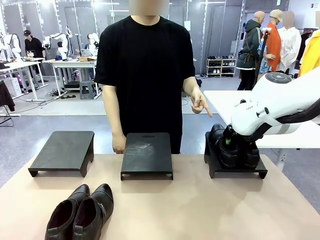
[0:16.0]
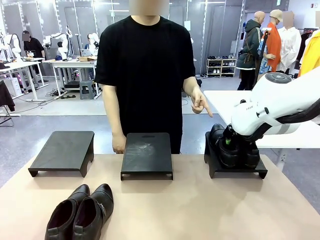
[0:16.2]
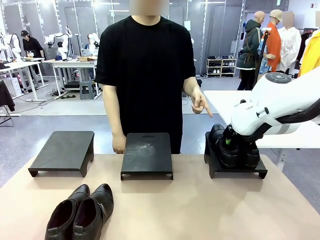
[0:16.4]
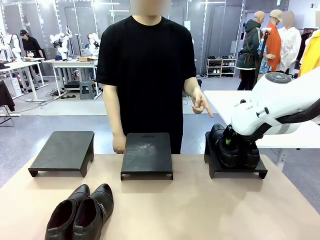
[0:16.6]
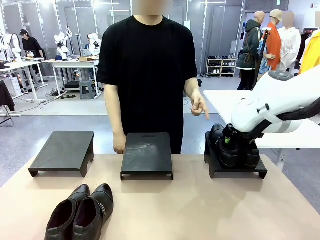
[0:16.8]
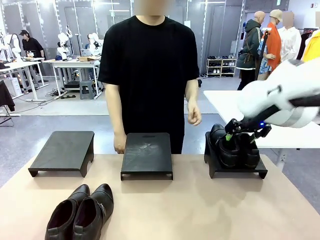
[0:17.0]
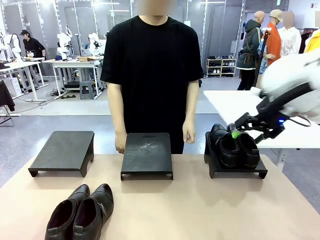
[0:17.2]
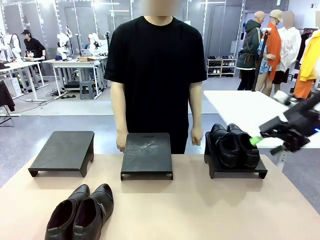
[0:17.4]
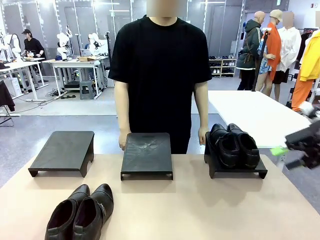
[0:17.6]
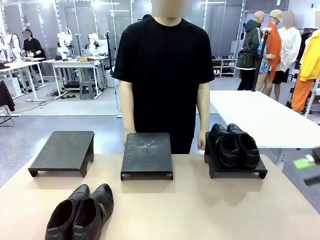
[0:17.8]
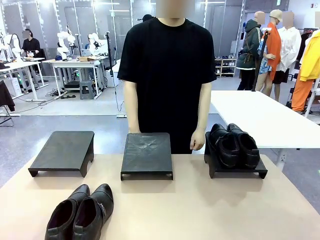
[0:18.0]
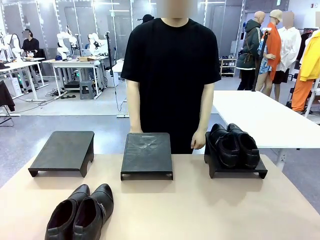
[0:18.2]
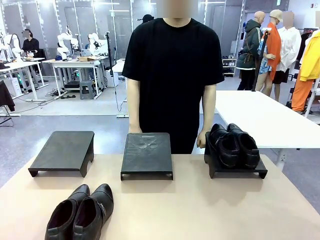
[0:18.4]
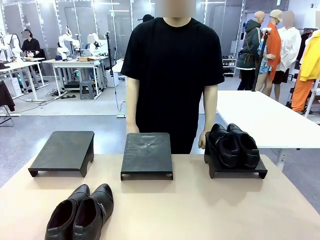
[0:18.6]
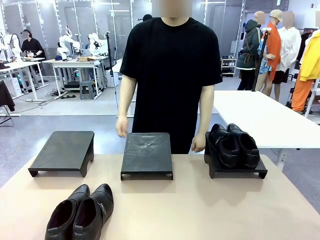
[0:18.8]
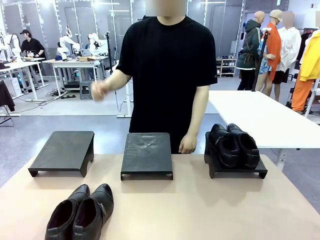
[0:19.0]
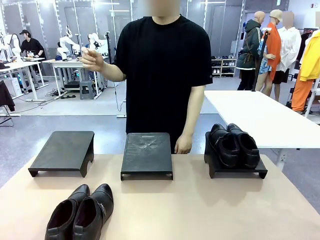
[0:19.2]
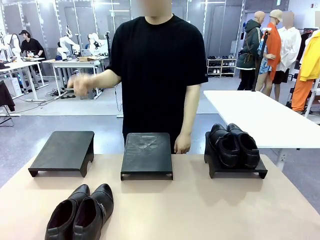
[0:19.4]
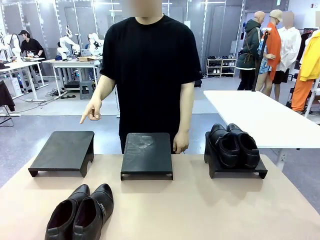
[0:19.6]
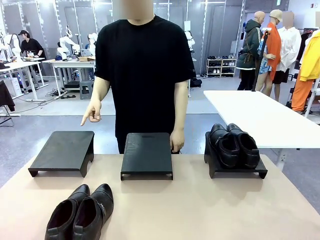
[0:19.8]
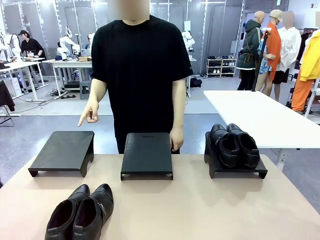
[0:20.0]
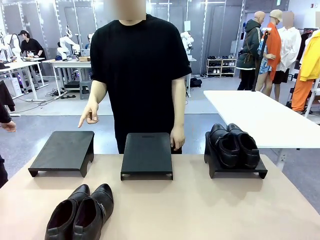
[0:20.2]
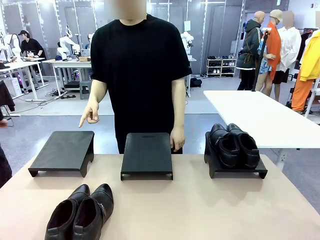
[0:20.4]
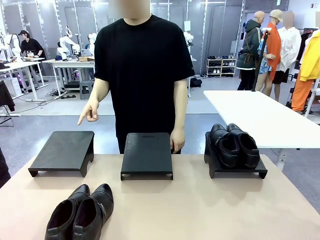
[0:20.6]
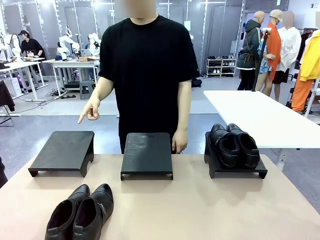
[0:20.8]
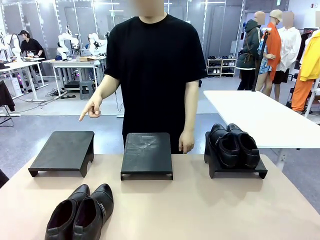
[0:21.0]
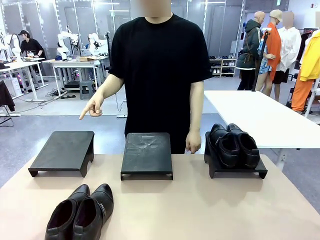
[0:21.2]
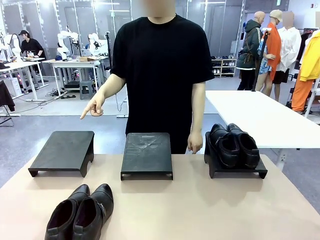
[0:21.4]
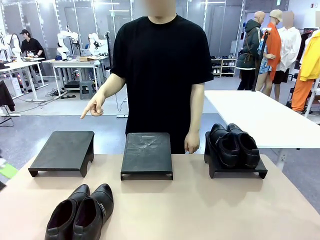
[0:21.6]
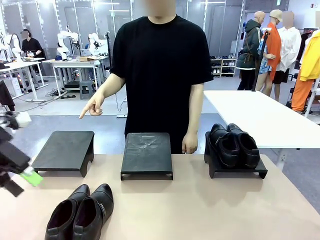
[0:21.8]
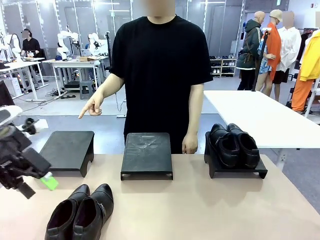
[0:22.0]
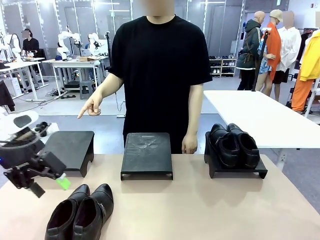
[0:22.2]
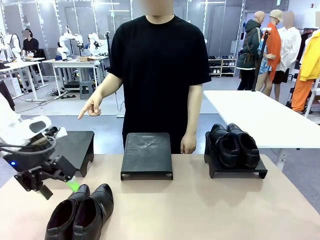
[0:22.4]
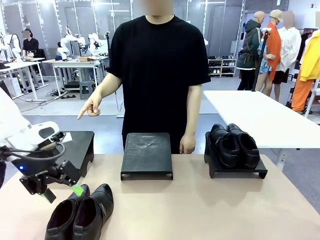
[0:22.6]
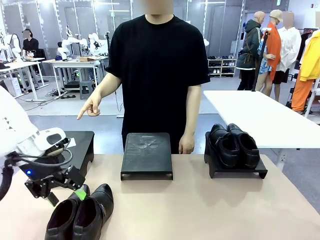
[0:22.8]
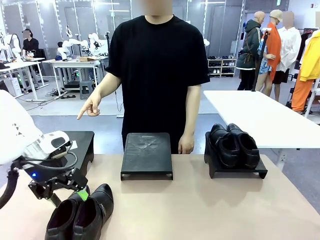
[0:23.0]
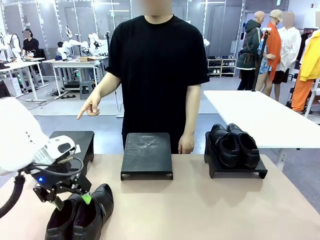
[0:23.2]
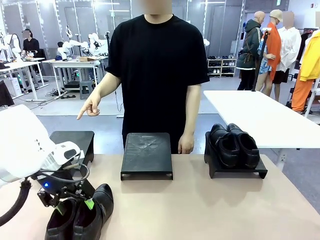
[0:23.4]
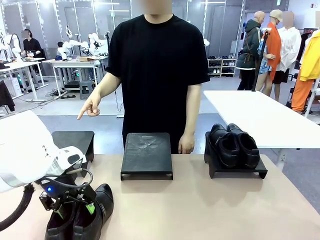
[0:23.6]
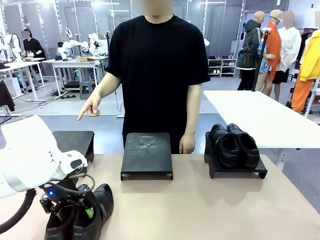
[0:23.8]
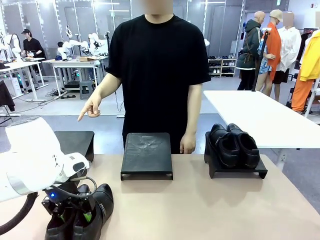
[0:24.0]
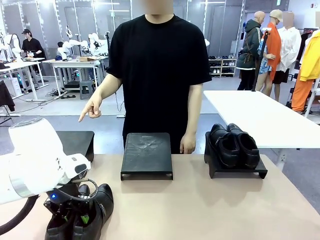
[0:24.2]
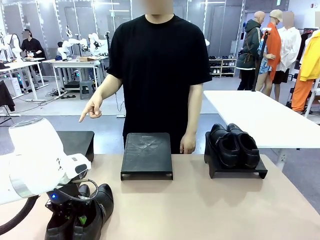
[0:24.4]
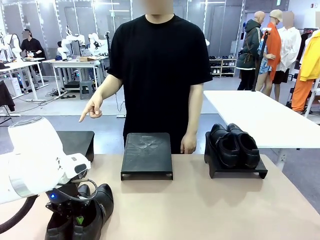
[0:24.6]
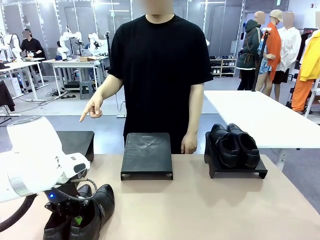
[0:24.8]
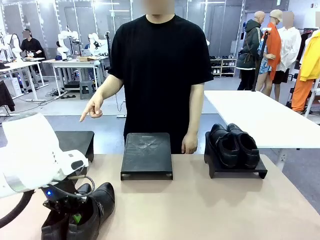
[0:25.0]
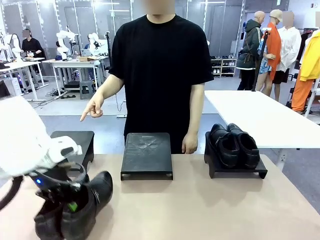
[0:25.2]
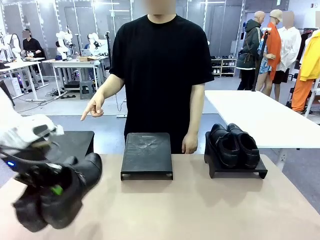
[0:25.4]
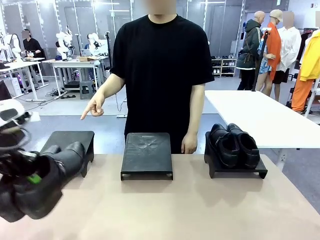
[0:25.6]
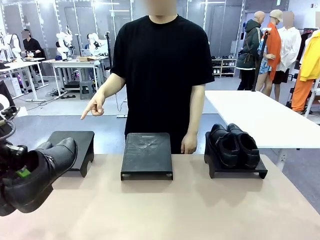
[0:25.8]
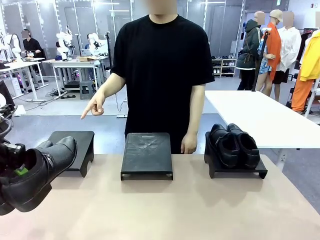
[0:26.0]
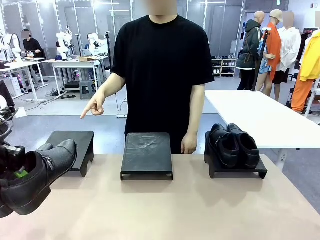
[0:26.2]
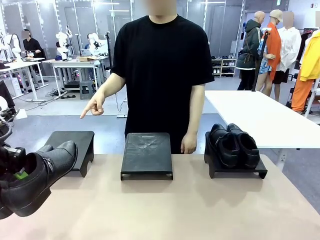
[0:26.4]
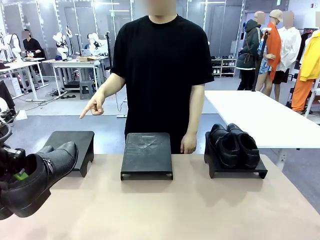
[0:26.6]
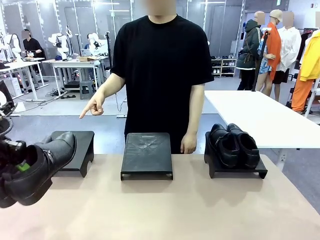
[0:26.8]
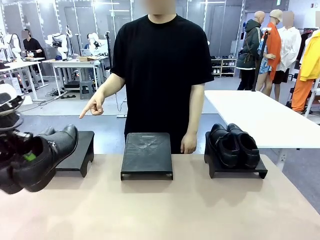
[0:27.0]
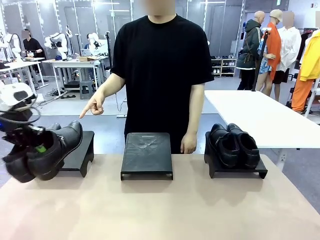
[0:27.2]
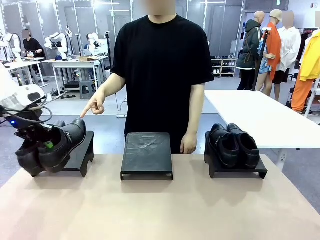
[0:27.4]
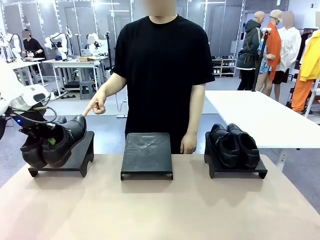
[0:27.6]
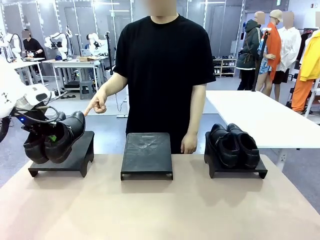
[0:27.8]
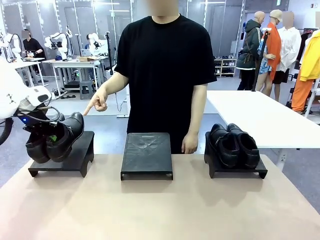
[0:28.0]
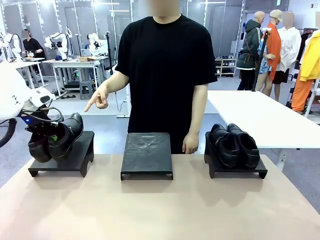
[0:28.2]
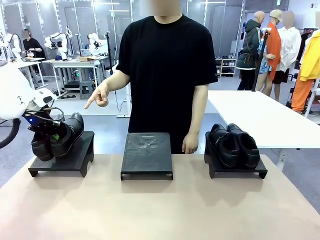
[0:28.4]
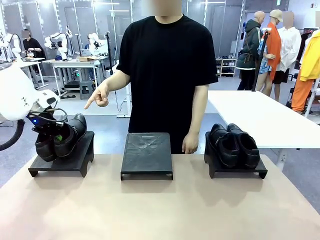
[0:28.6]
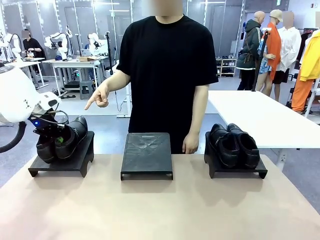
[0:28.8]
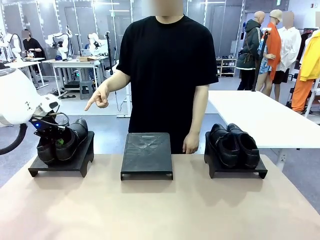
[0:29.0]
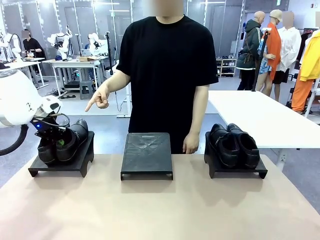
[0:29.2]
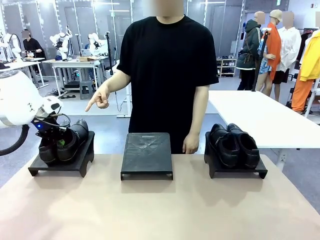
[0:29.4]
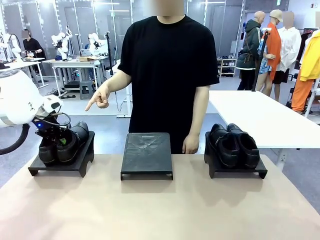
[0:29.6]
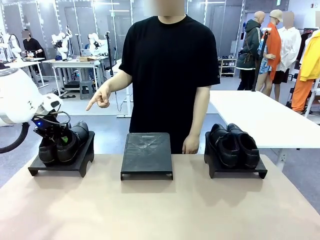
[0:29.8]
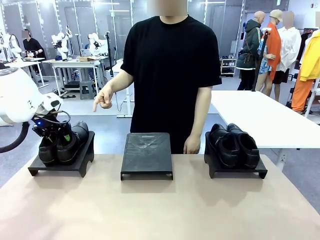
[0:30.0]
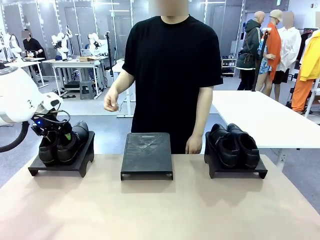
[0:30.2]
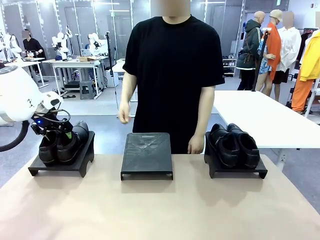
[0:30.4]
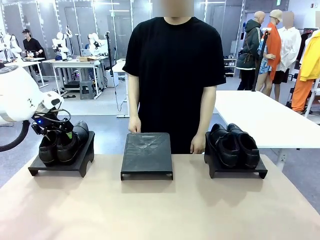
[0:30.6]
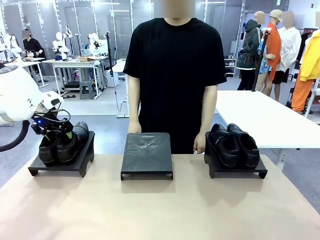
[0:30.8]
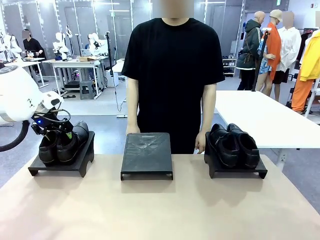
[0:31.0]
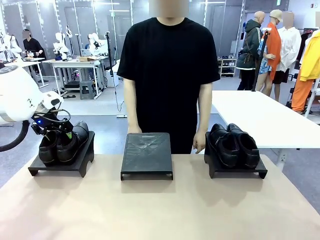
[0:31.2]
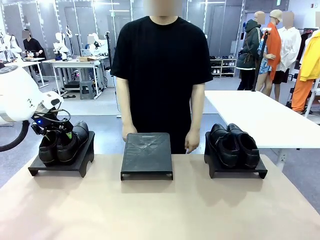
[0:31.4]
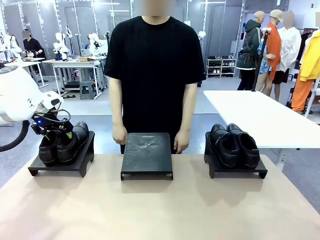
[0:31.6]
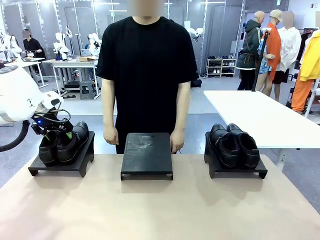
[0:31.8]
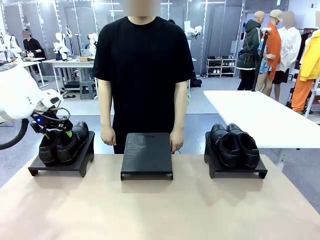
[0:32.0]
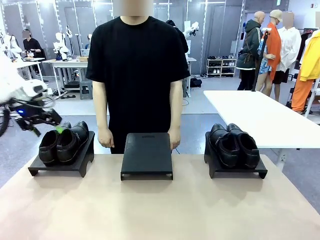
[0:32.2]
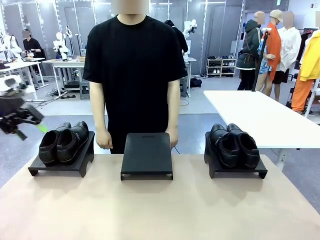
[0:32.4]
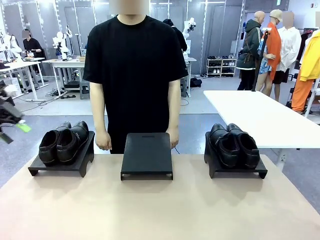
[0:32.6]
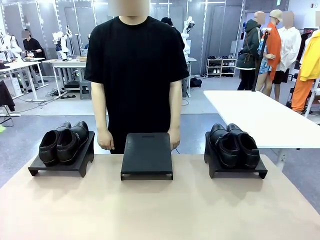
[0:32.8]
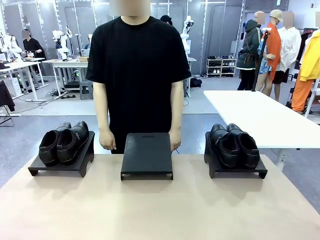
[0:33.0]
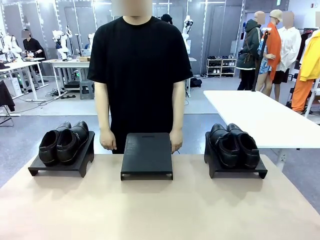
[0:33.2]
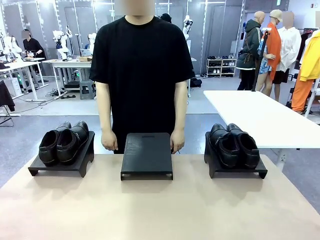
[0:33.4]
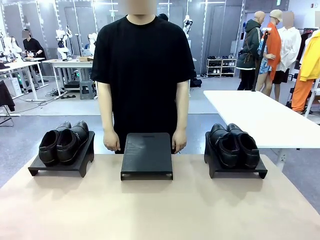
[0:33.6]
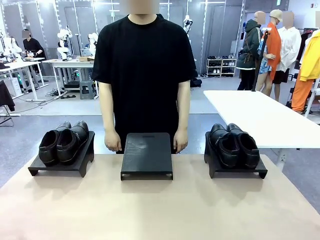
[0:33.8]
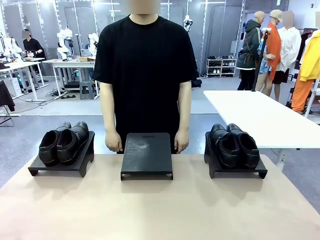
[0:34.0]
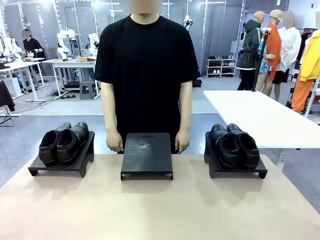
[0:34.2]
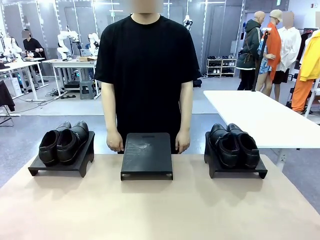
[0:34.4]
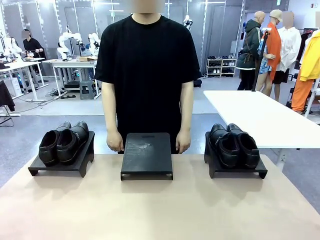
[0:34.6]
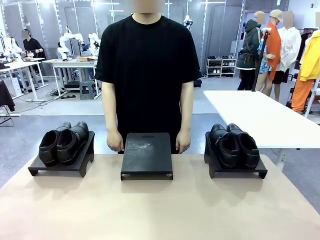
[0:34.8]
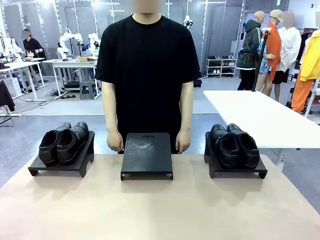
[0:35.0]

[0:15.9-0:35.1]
Task: Place the shoes on the stand as instructed by the person.
Robot: Pick up another pair of Shoes and place it on the Shoes Stand indicated by the person.
Person: Point to one Shoes Stand.
